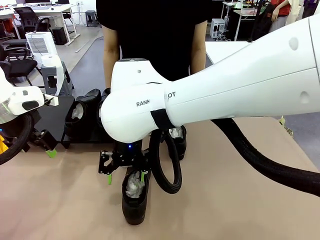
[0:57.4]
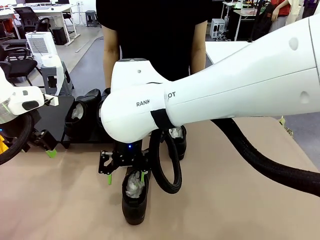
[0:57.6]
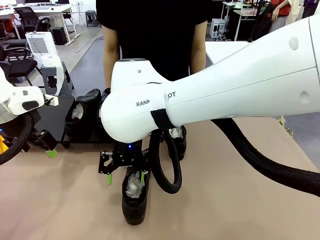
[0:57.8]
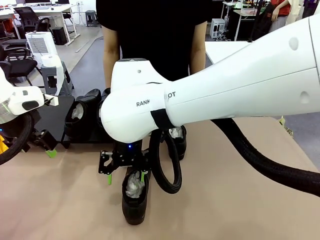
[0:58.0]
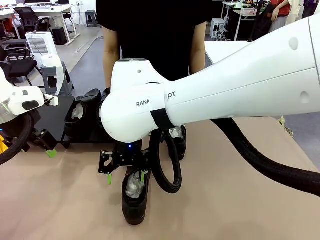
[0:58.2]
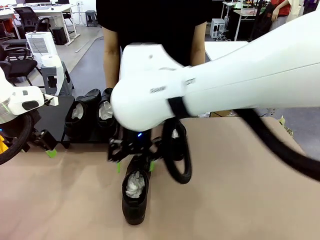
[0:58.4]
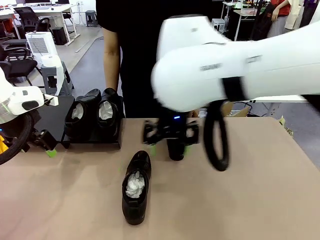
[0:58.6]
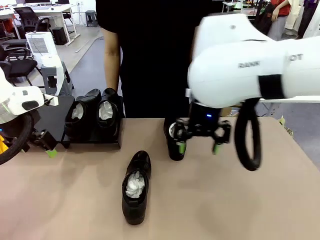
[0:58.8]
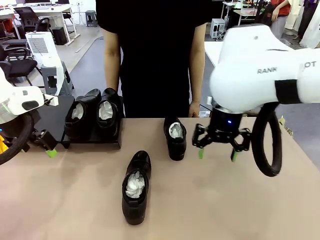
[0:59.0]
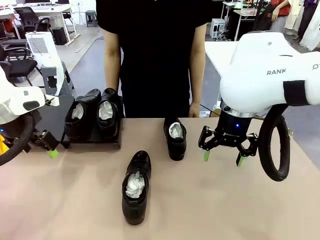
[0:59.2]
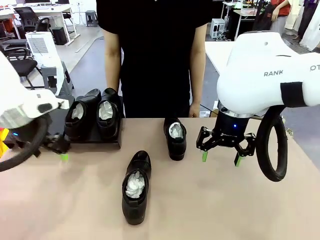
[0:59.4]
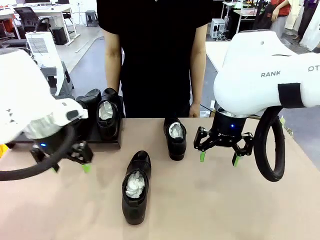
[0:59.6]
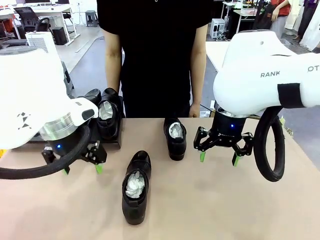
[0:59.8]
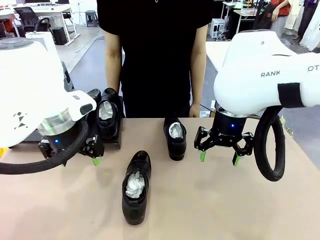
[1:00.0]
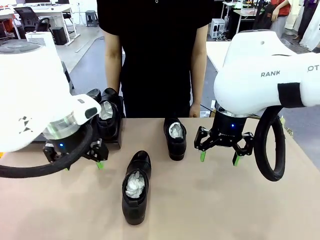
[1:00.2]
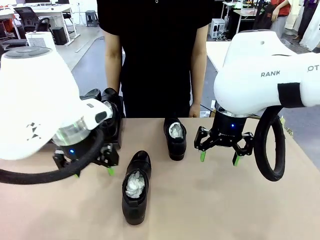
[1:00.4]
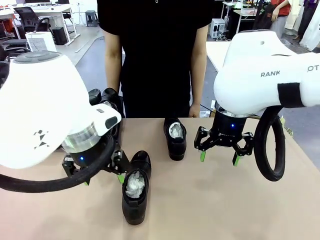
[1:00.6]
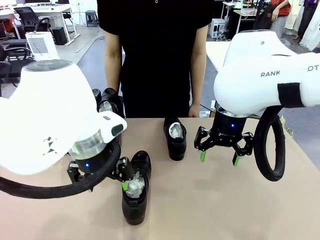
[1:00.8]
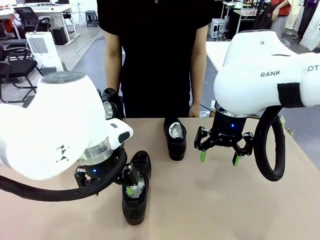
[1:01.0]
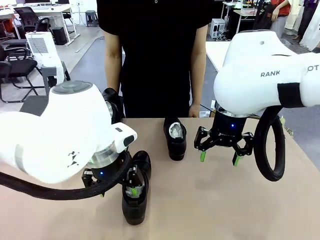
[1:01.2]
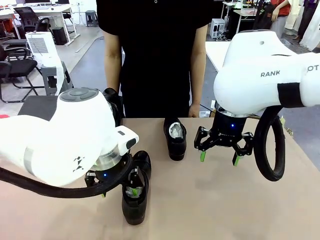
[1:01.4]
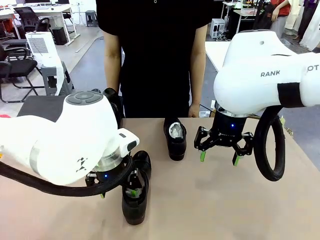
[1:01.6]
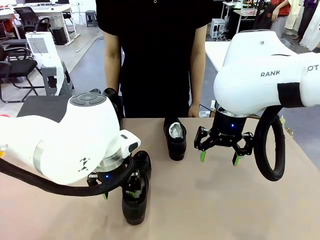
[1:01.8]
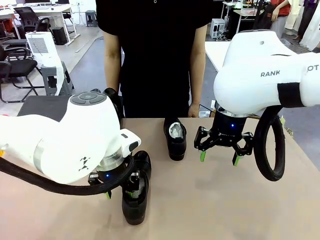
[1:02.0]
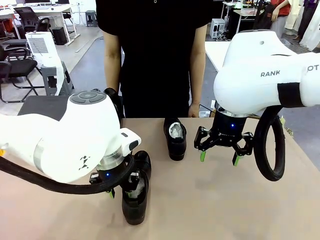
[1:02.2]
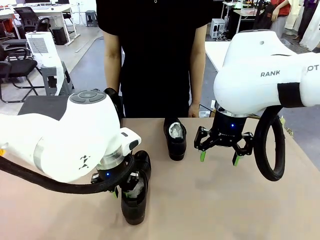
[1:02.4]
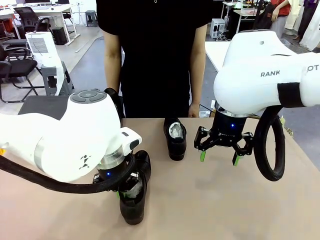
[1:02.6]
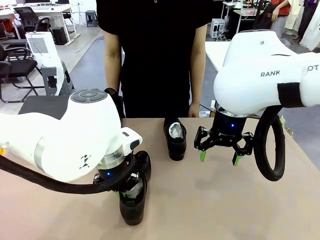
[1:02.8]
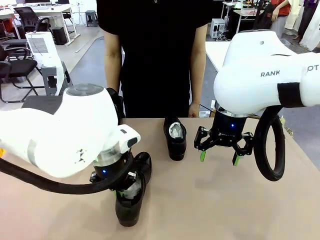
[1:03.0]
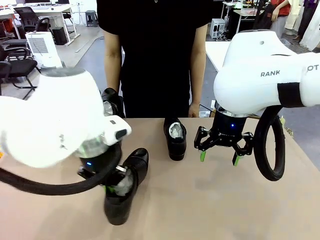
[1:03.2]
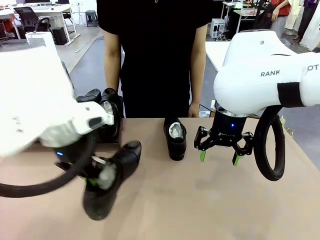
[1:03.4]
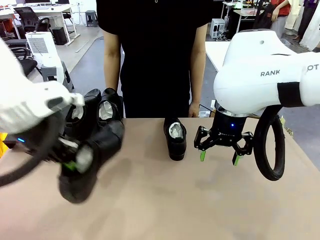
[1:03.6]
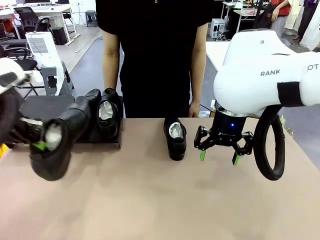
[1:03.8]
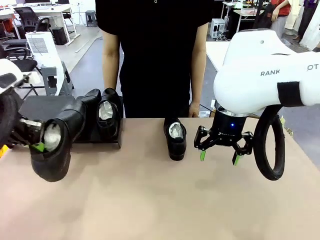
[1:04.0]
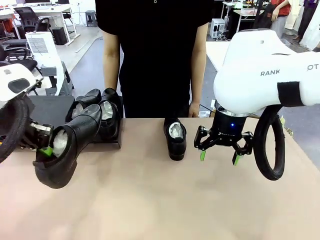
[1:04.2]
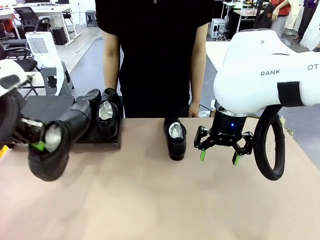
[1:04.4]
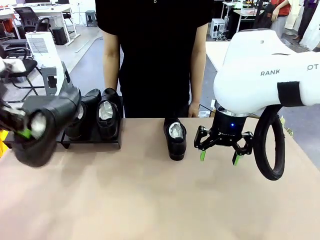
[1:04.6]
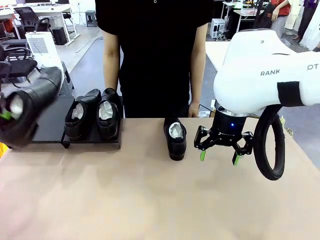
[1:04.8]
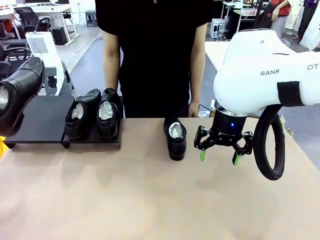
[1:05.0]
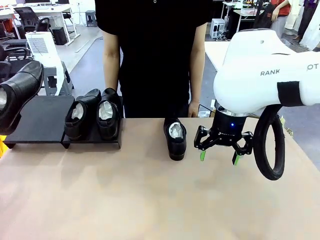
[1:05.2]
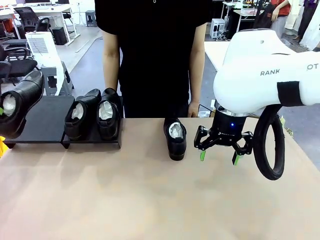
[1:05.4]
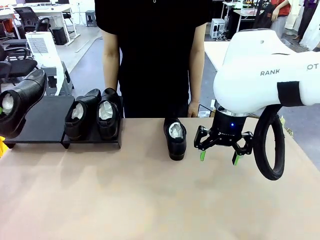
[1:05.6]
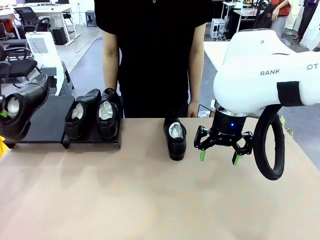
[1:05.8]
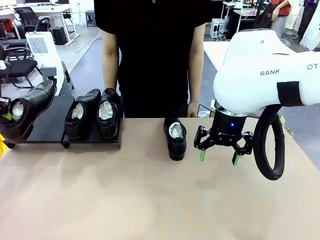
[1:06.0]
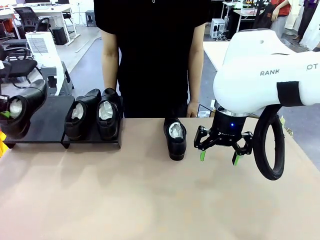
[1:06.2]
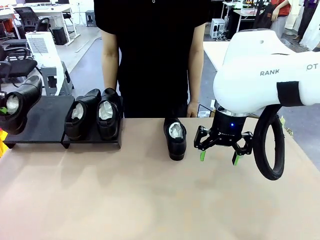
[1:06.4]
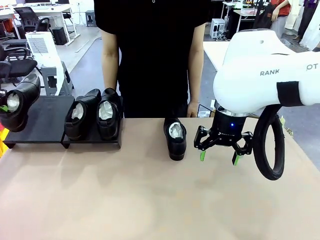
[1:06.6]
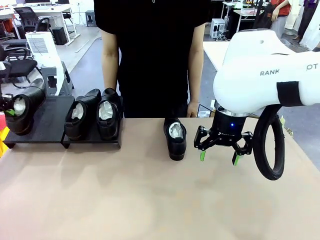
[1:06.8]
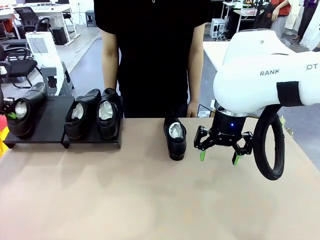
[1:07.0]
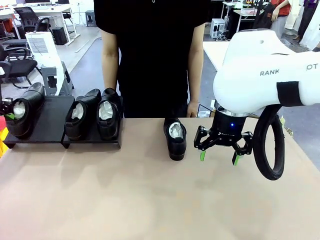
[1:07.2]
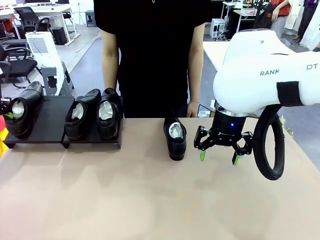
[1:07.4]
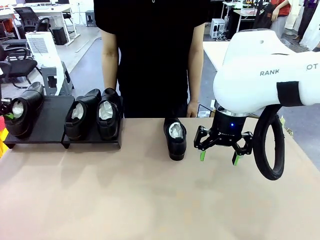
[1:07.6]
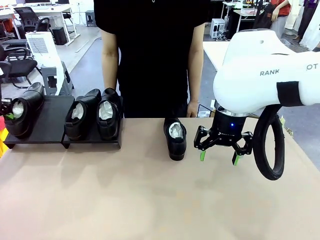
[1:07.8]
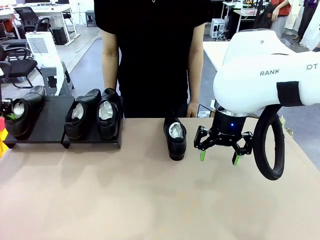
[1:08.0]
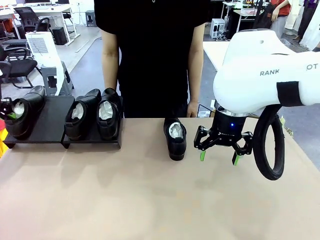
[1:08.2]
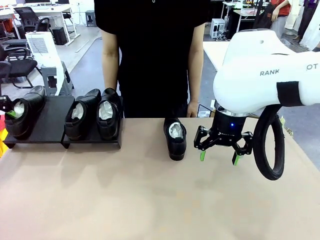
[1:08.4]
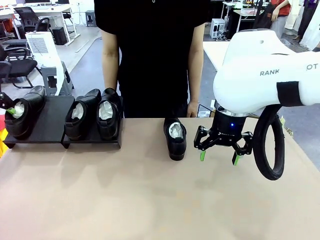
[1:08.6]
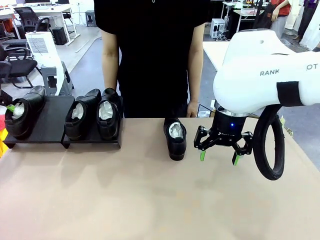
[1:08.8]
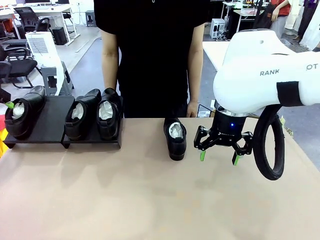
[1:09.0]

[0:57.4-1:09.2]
Task: Organize the shoes by placing them on the stand.
Robot: Place the Shoe from the middle of the table onto the Shoes Stand.

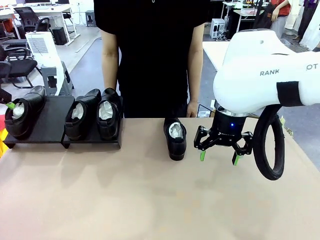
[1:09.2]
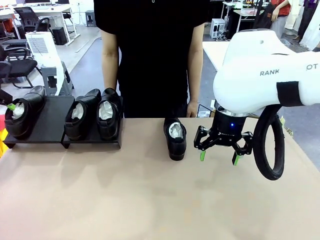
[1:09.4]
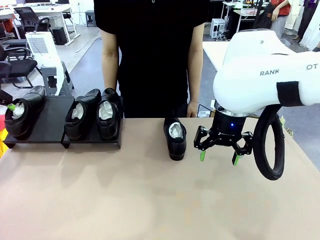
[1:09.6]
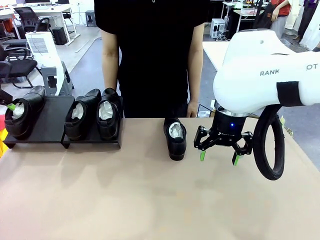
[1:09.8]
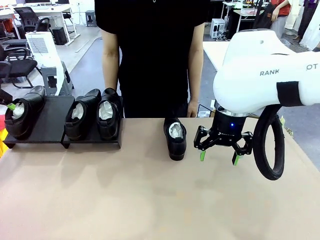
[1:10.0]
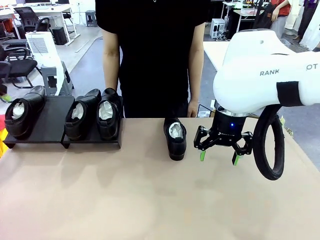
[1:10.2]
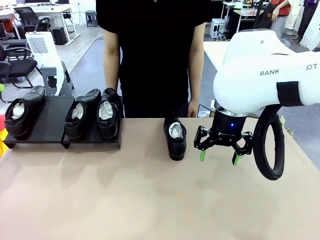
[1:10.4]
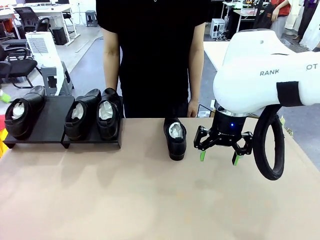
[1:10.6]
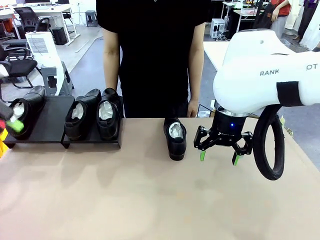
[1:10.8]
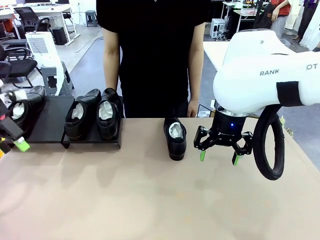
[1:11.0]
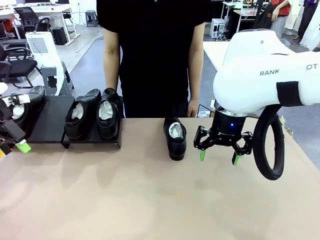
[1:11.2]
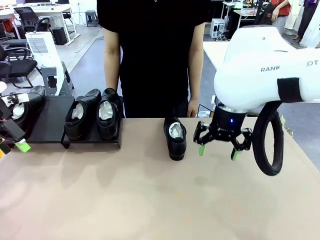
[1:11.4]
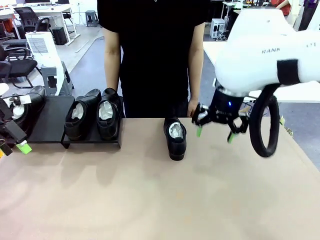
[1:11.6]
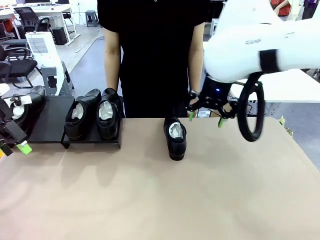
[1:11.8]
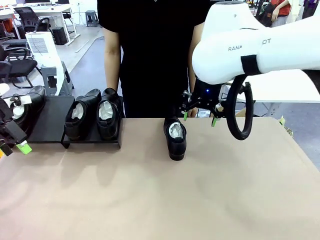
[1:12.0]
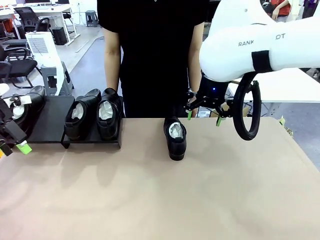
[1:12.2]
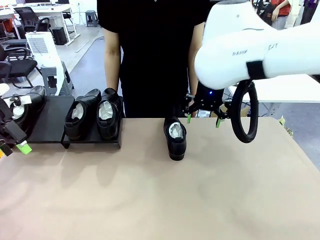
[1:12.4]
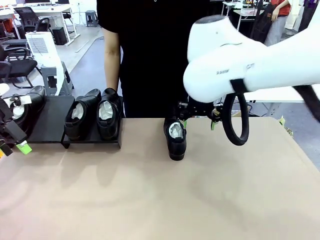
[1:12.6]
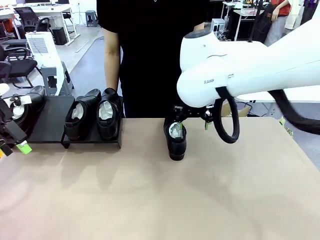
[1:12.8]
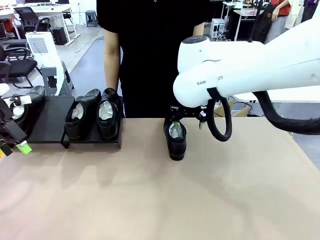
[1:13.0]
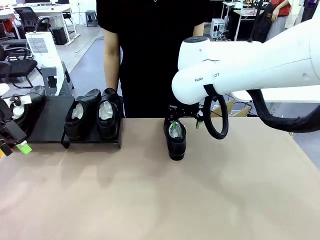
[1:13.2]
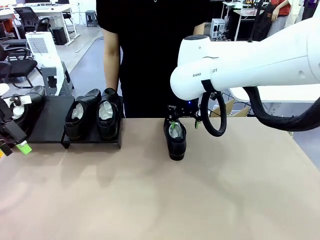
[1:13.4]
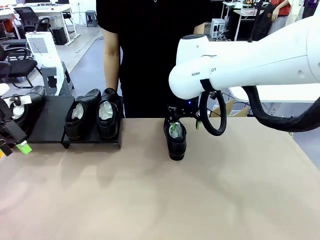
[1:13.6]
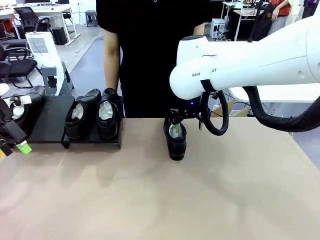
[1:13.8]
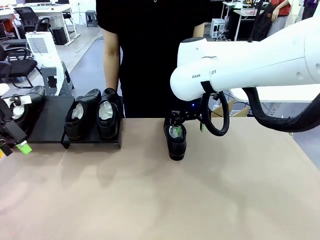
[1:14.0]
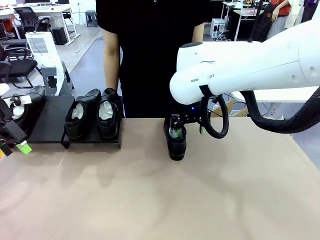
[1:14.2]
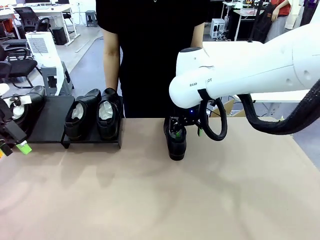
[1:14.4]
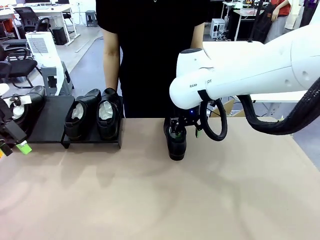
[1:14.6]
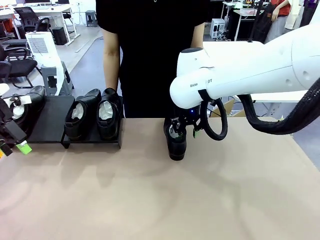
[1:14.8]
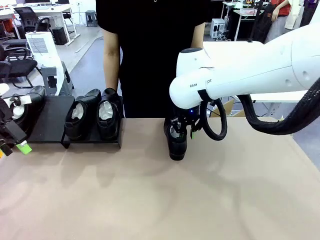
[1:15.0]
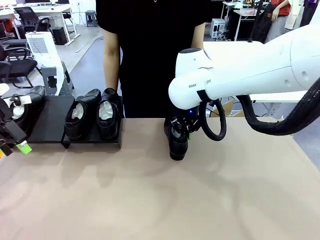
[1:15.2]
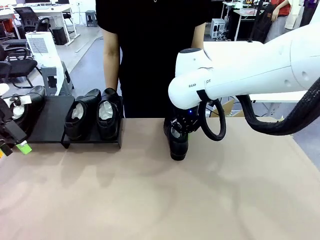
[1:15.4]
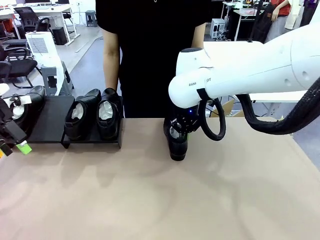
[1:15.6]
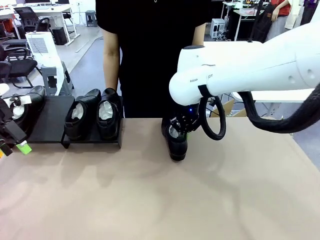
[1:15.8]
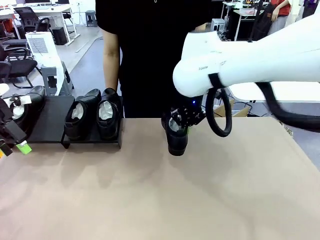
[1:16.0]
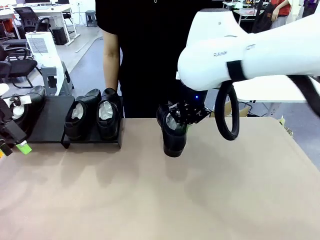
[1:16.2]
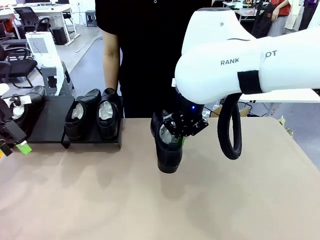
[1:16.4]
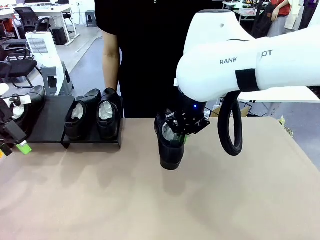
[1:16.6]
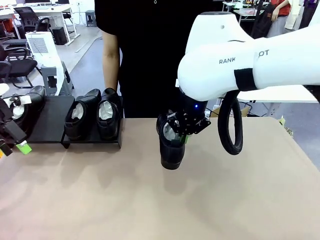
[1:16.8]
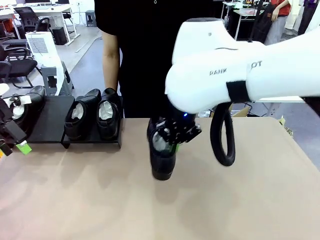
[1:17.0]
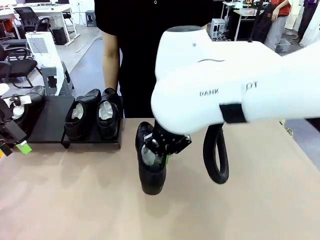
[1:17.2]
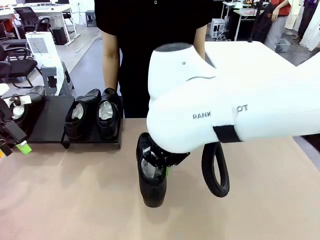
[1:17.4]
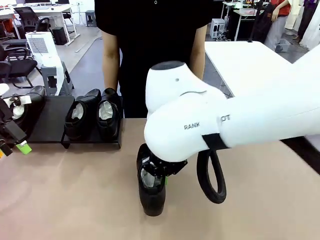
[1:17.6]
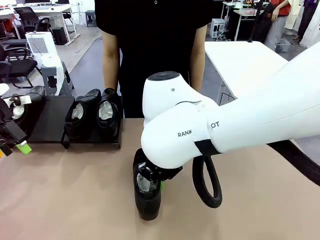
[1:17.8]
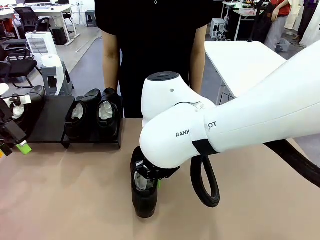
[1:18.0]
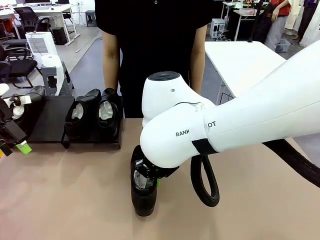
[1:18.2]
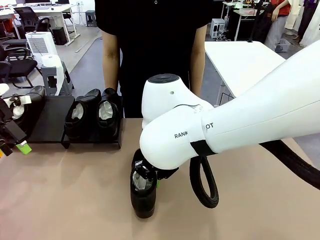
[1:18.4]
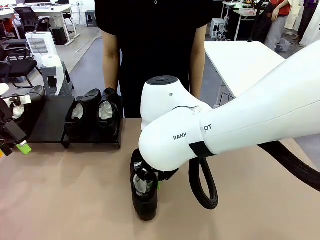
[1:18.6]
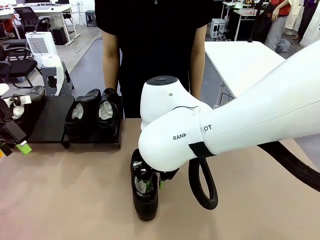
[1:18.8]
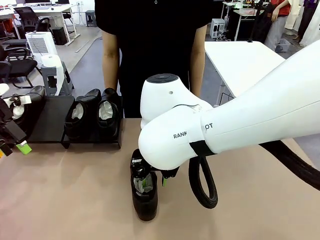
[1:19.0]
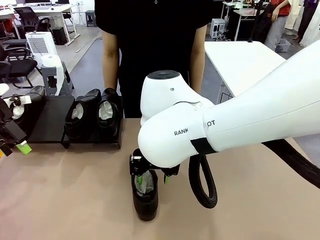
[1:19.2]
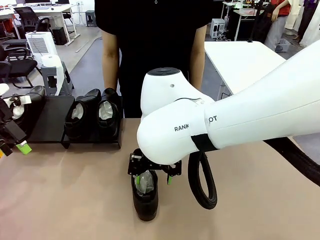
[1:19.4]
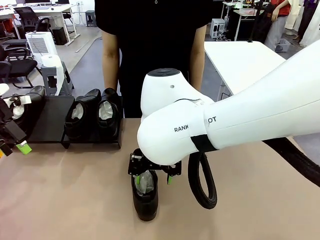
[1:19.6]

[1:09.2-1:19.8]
Robot: Pick up one Shoe and place it in the middle of the table.
